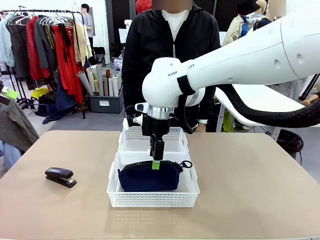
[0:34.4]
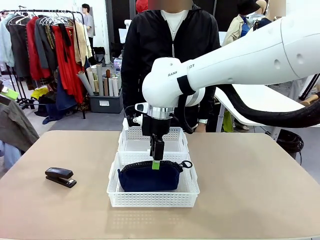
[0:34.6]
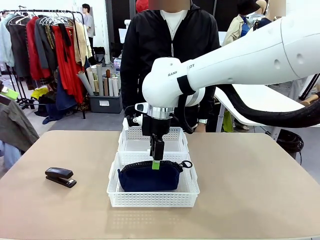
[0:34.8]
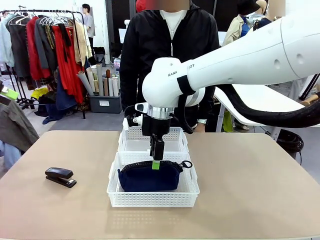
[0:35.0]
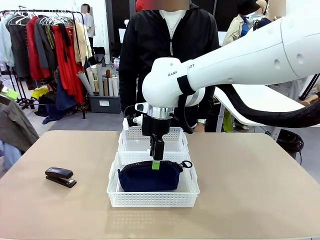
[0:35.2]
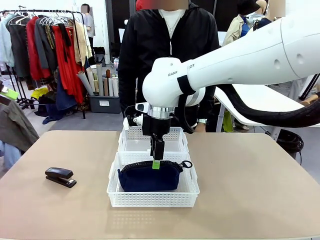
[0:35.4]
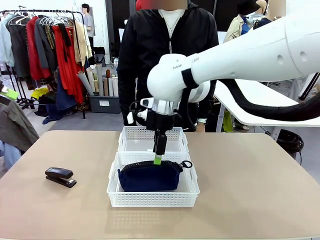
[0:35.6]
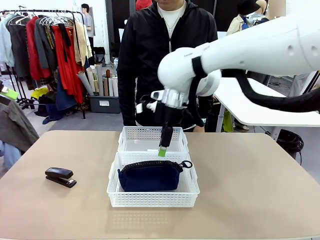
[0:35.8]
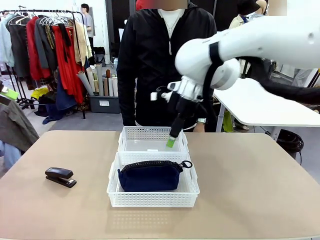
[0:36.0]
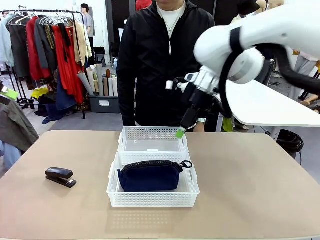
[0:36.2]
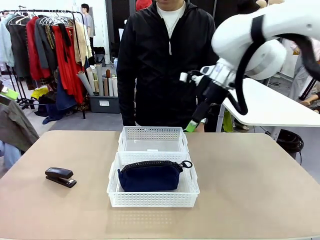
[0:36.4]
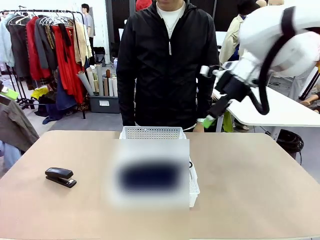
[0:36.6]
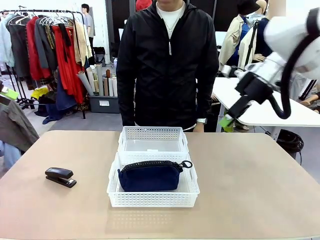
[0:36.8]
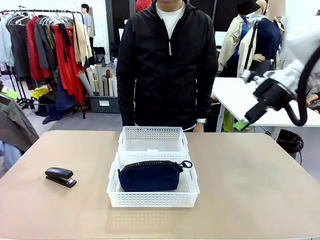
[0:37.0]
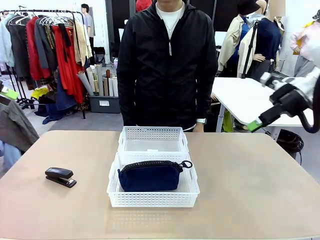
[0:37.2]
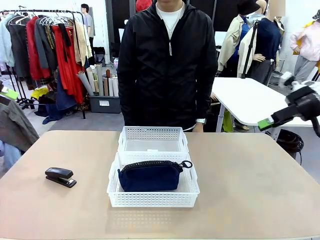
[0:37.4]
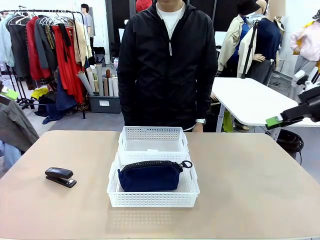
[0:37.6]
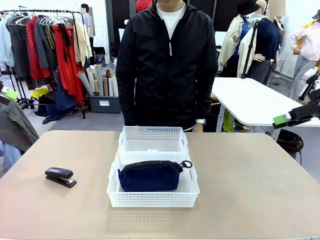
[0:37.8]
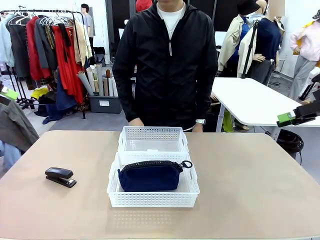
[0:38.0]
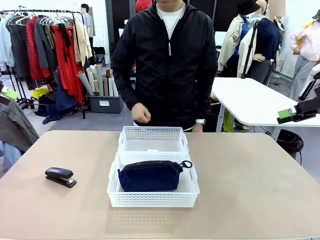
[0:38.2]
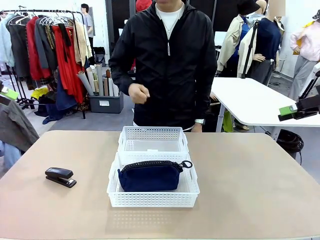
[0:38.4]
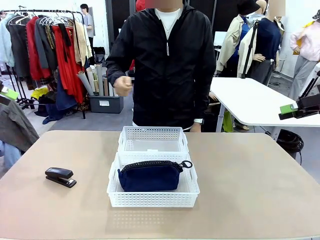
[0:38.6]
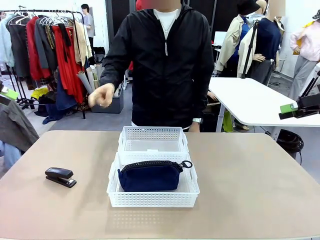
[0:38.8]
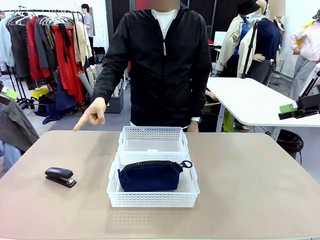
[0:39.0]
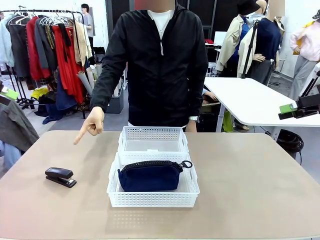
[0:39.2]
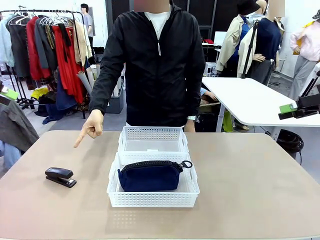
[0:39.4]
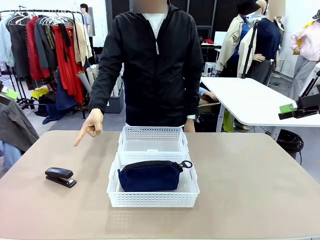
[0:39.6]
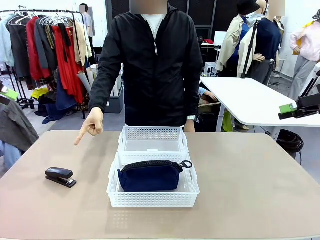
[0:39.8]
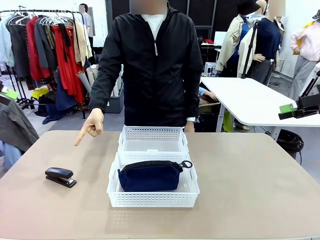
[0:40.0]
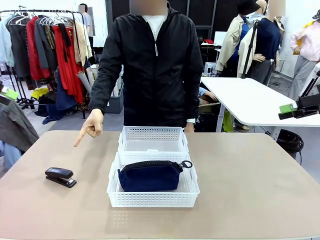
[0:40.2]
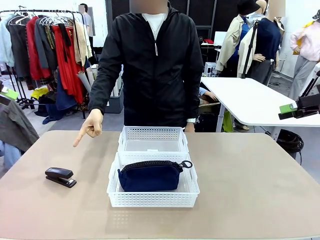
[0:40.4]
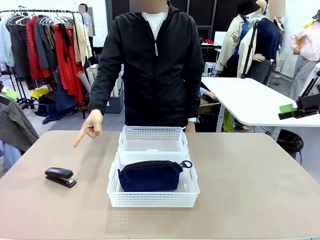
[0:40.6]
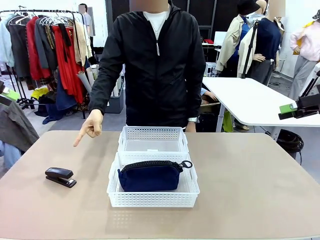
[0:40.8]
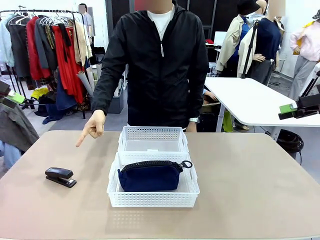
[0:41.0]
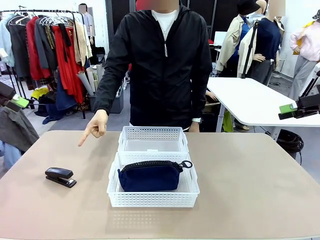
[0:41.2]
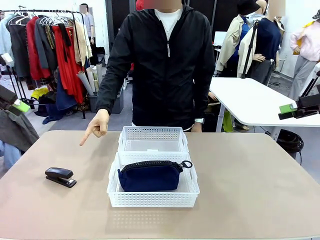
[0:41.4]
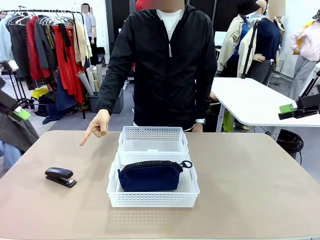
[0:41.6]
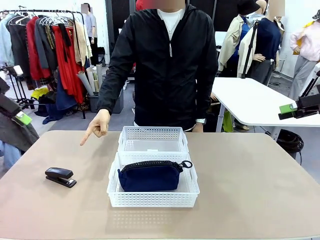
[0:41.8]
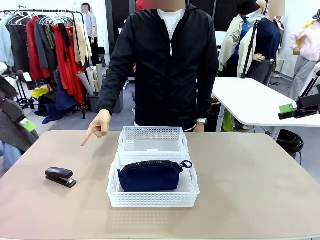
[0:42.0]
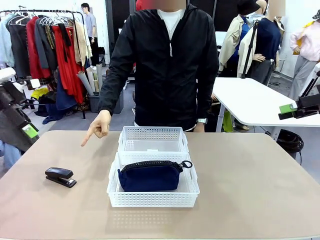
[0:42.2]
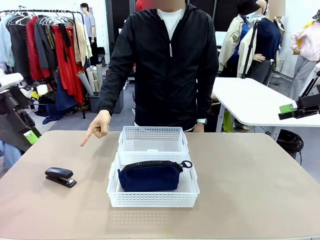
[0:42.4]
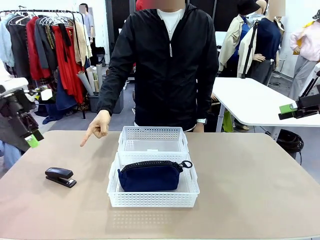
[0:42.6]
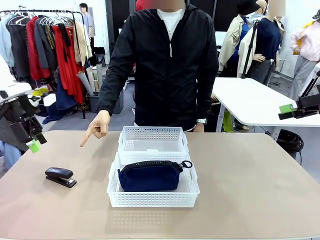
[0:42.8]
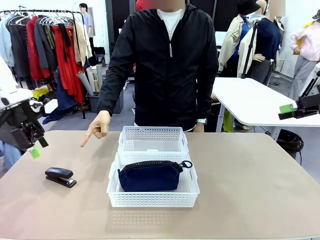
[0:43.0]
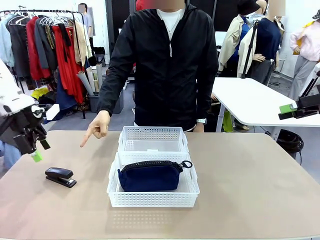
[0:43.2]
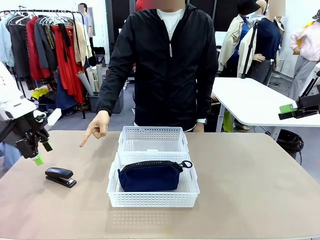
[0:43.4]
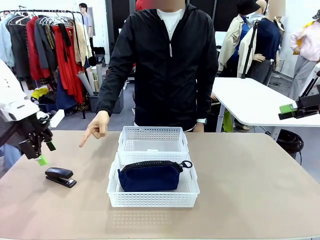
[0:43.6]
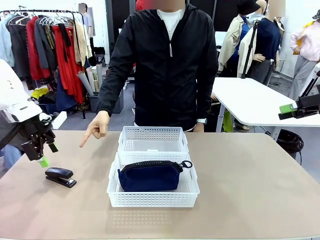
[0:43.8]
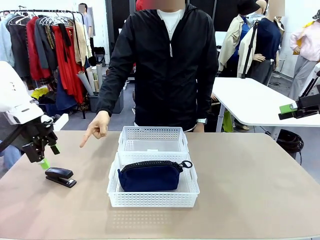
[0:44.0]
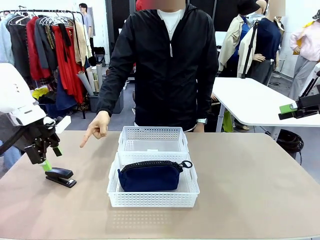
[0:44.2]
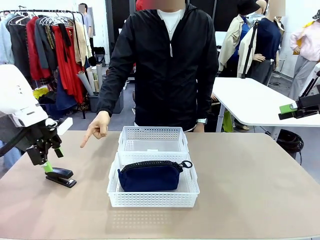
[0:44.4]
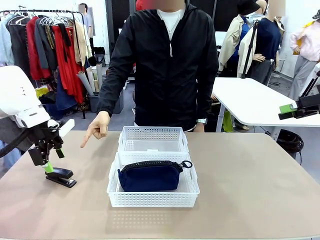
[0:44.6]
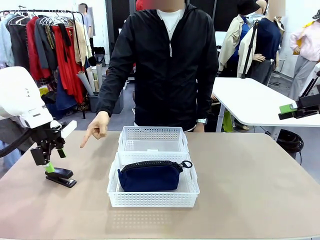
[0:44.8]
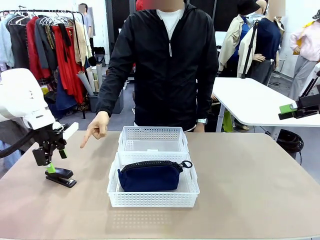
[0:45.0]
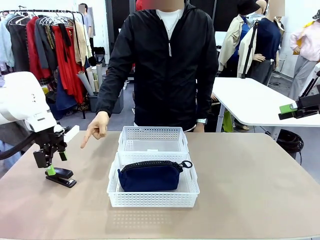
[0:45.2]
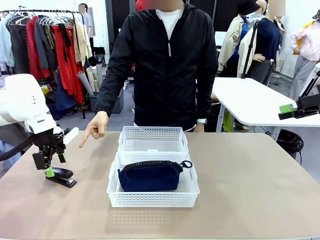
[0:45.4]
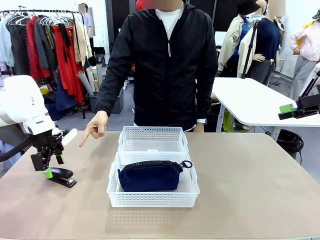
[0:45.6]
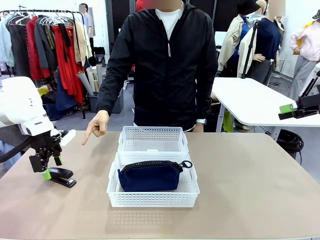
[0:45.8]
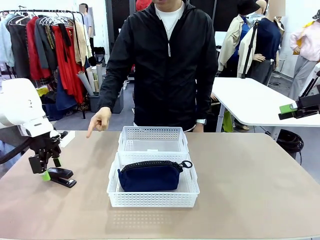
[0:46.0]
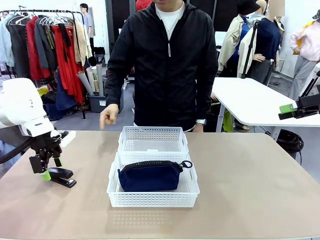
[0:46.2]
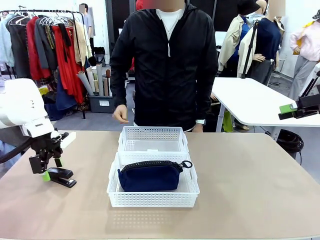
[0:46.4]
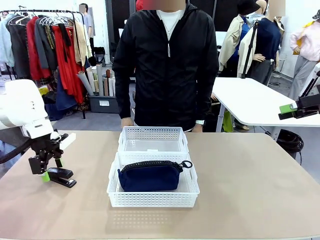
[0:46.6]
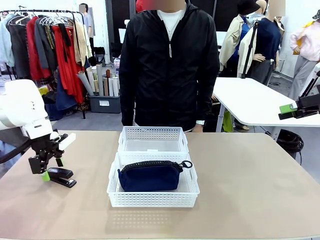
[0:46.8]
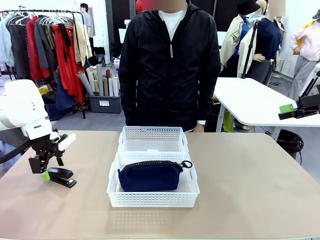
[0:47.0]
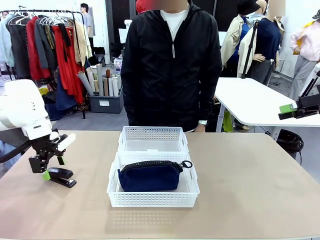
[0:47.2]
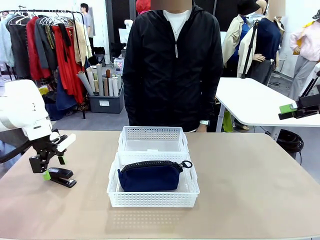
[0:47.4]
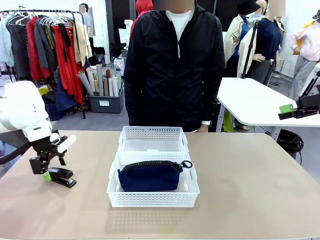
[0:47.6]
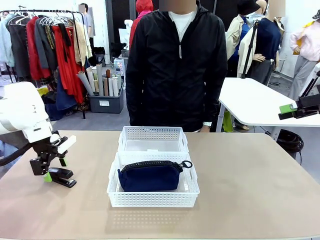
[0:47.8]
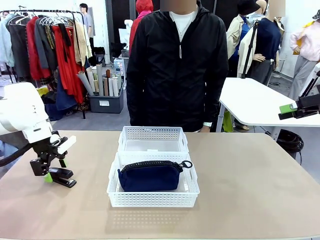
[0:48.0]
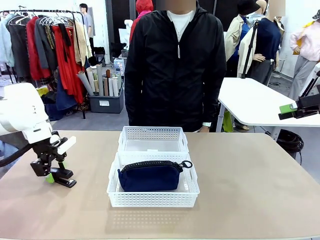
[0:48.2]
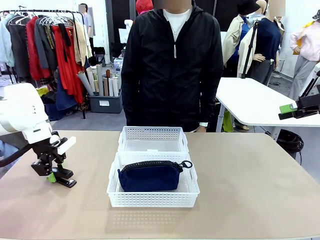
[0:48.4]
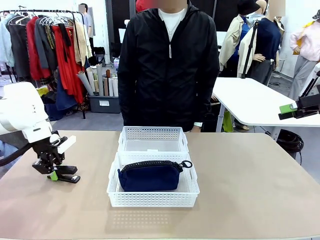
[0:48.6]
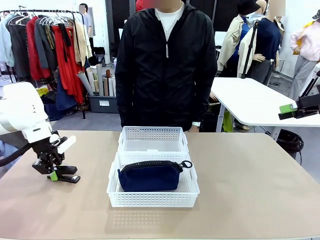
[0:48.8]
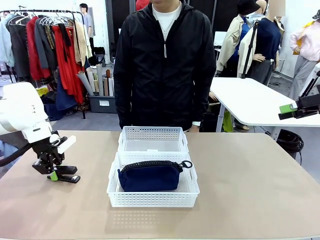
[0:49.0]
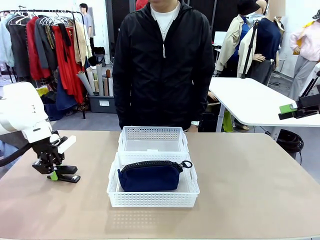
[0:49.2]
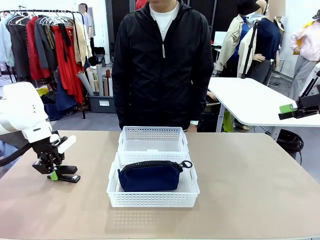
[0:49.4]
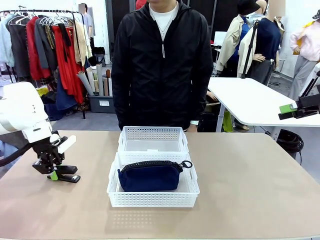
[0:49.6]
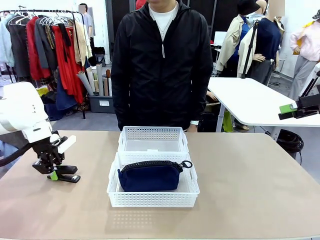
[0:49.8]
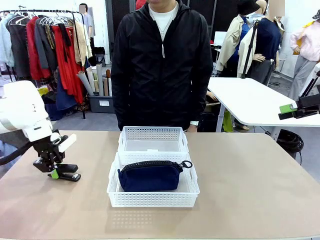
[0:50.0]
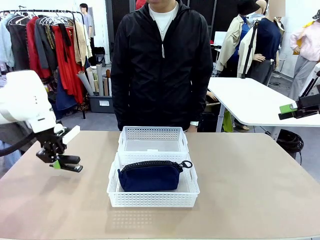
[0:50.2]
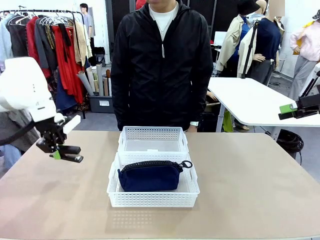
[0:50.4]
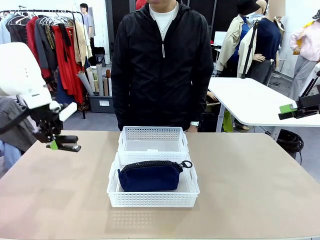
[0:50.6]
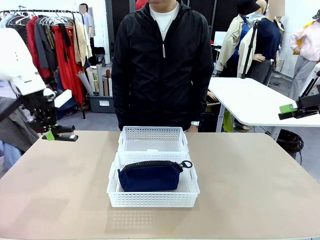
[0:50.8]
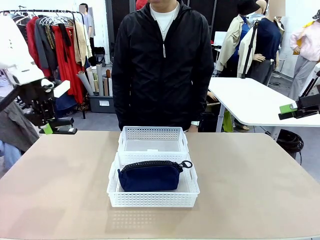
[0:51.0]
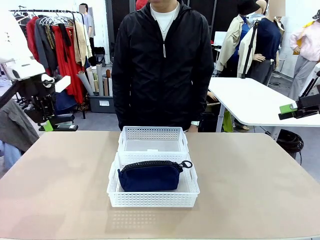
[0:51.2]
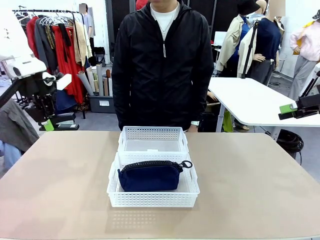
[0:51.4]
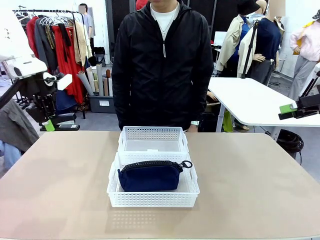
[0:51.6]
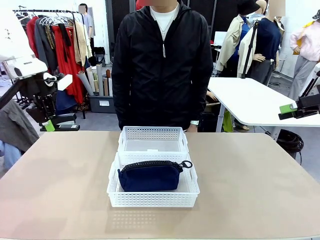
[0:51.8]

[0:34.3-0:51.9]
Task: Distribute items into two baskets.
Robot: Pick up the Stapler that the person points to.
